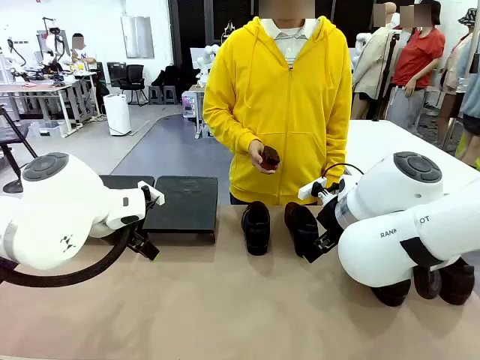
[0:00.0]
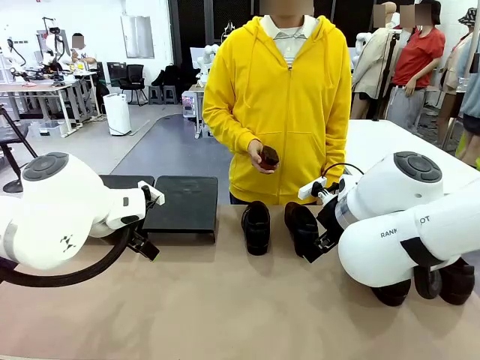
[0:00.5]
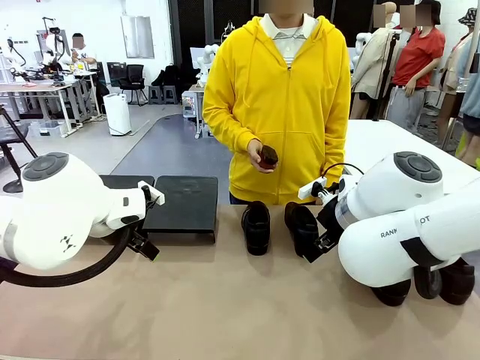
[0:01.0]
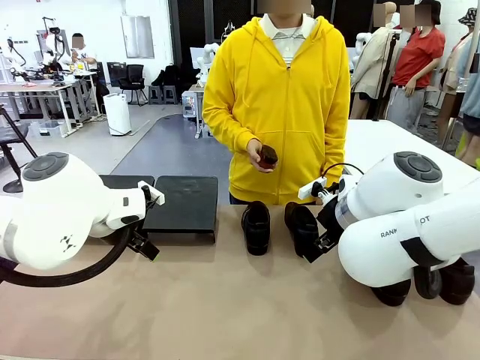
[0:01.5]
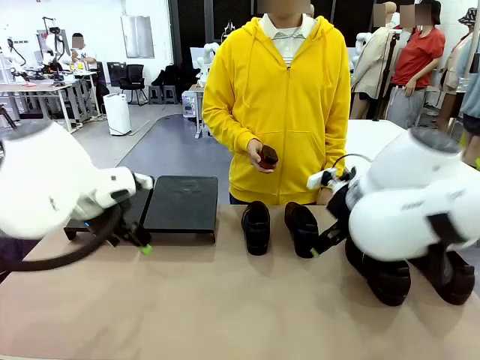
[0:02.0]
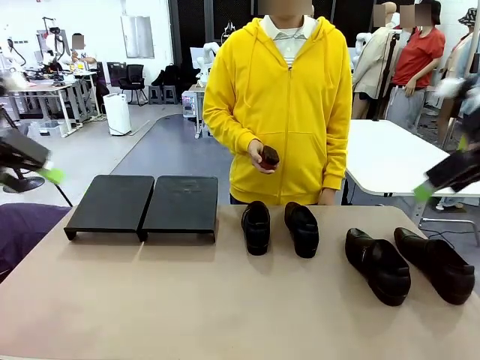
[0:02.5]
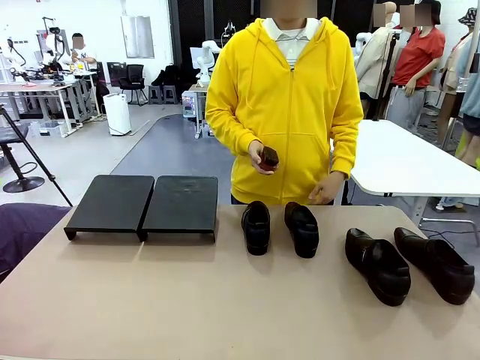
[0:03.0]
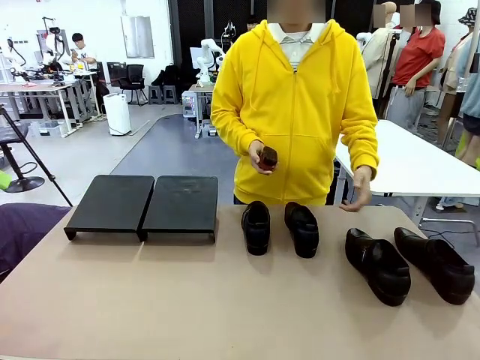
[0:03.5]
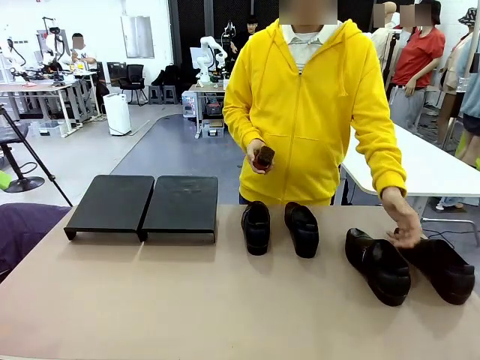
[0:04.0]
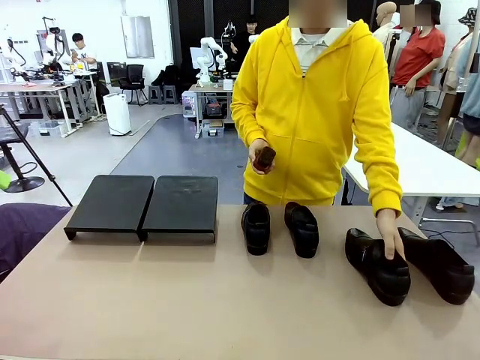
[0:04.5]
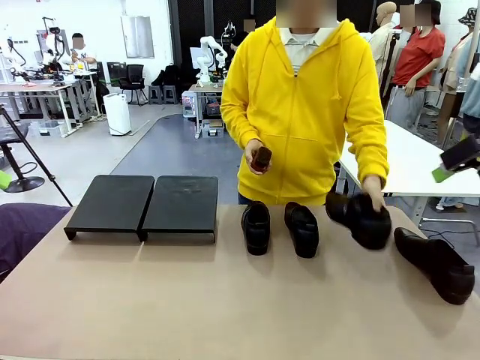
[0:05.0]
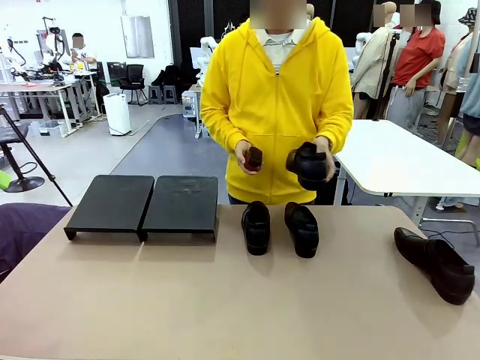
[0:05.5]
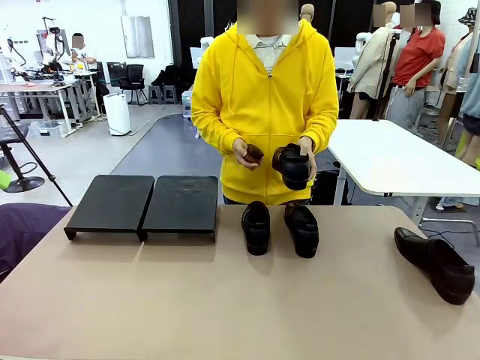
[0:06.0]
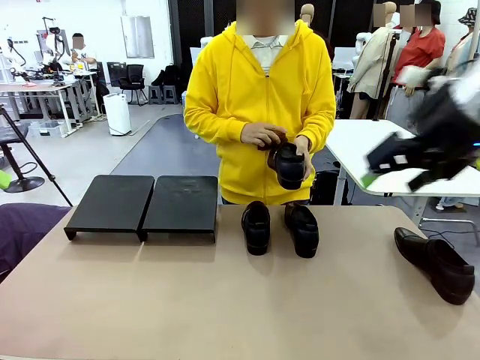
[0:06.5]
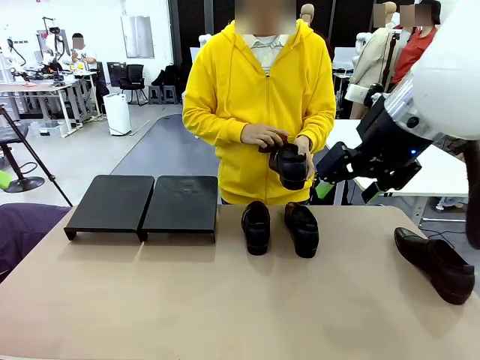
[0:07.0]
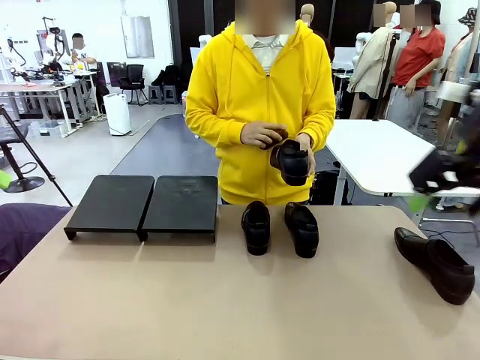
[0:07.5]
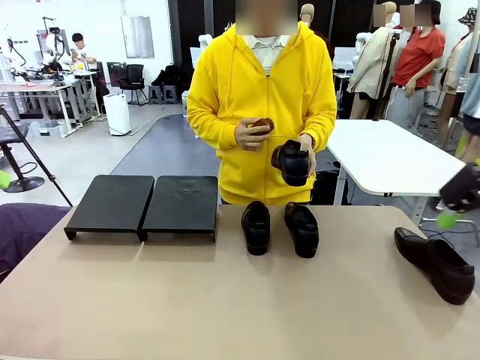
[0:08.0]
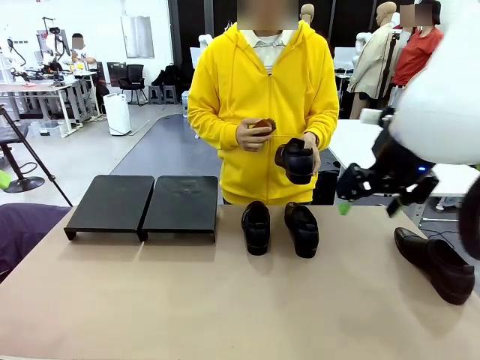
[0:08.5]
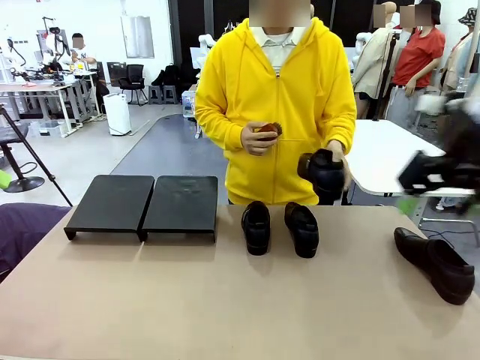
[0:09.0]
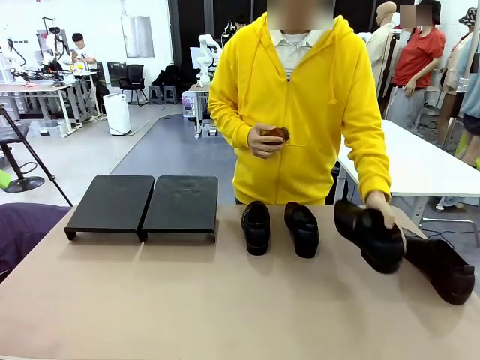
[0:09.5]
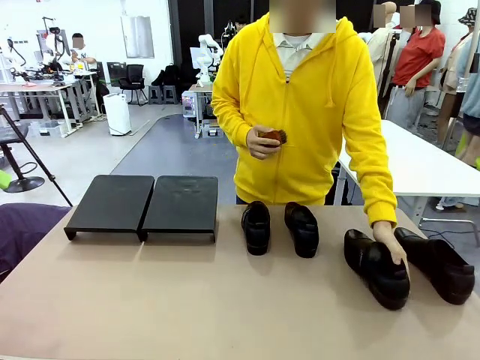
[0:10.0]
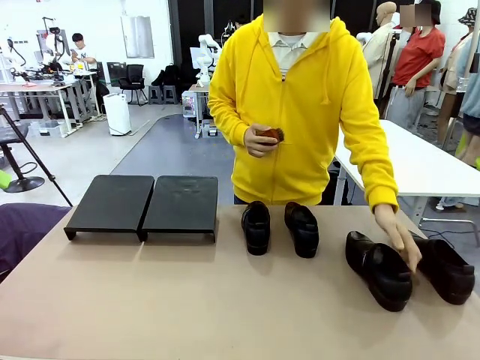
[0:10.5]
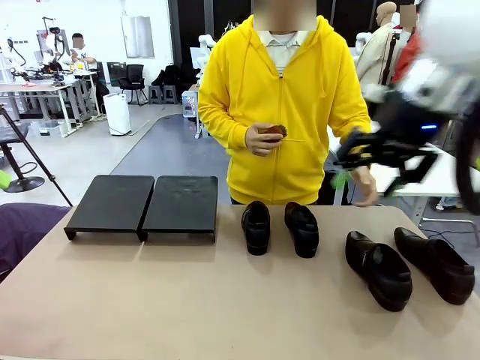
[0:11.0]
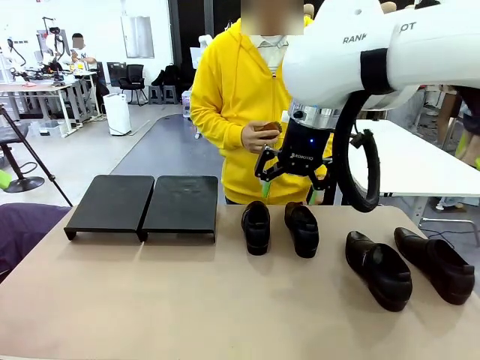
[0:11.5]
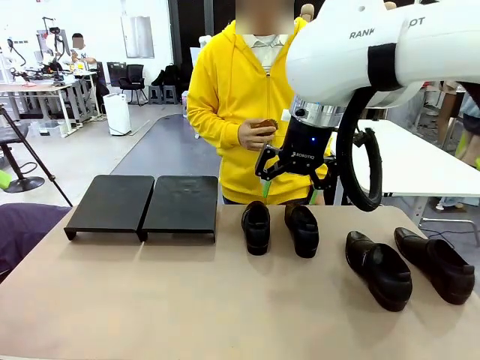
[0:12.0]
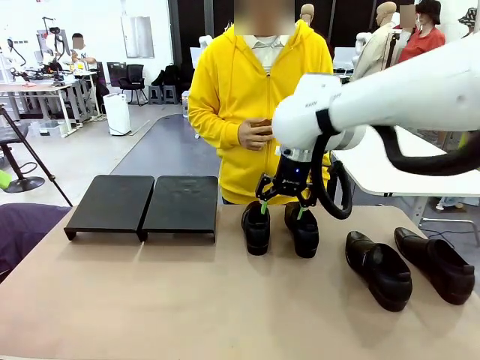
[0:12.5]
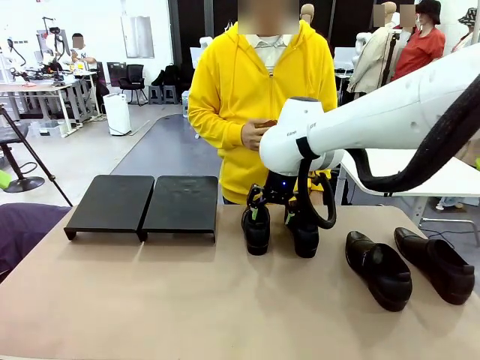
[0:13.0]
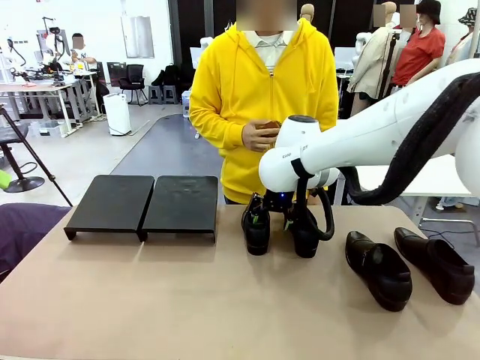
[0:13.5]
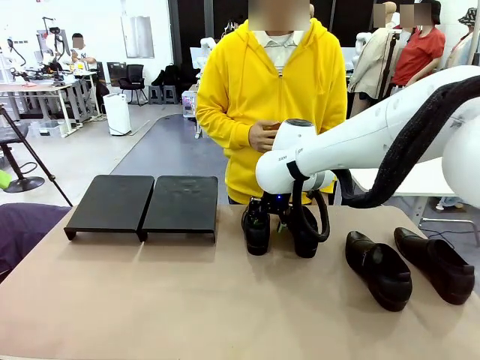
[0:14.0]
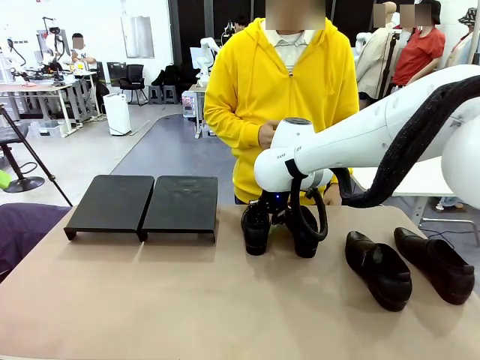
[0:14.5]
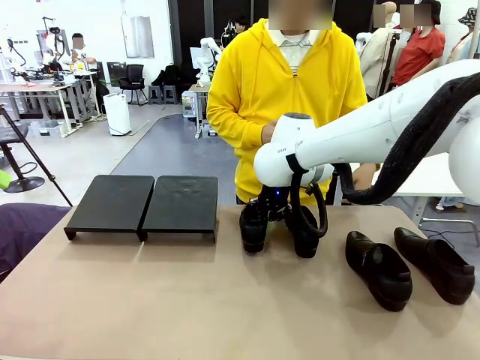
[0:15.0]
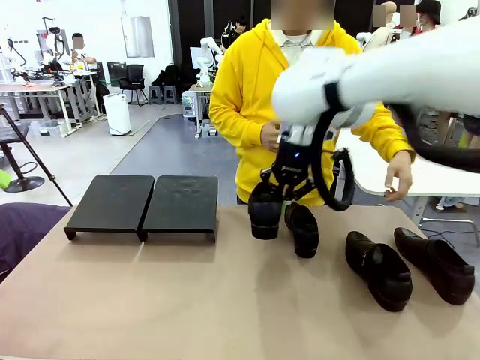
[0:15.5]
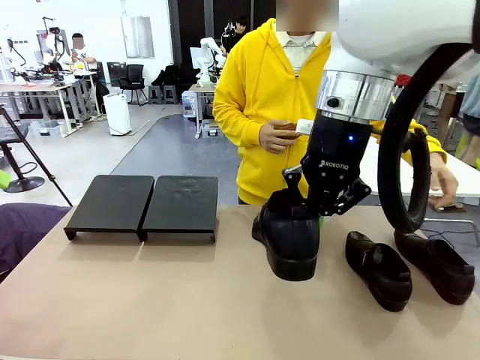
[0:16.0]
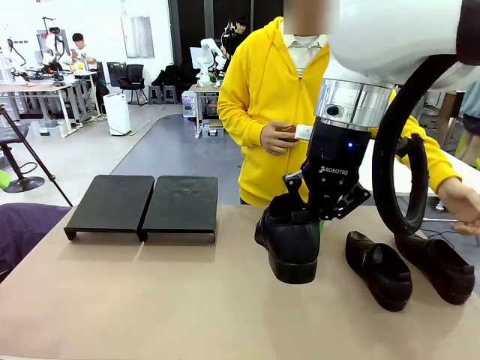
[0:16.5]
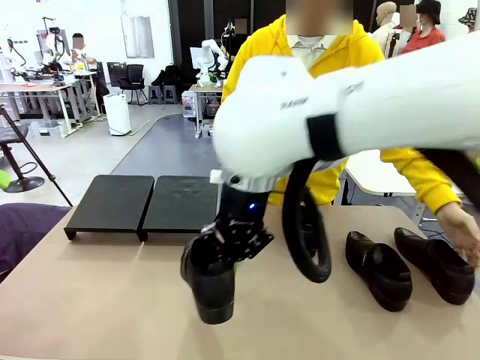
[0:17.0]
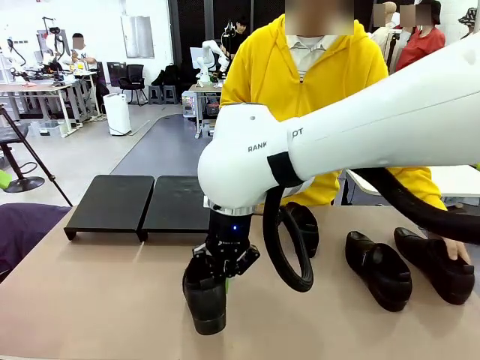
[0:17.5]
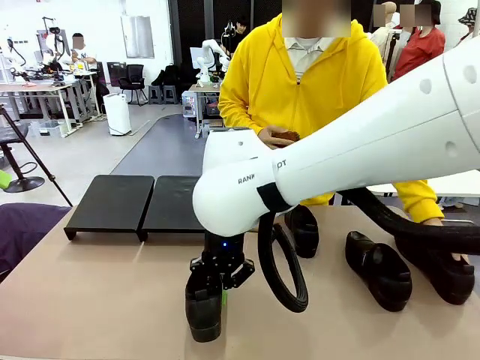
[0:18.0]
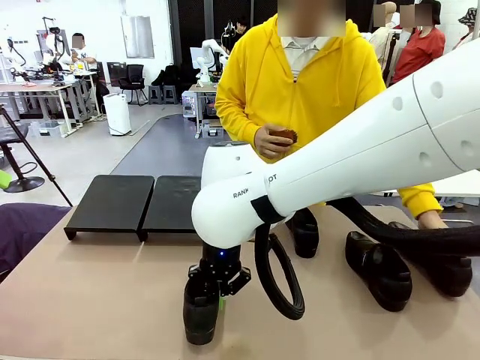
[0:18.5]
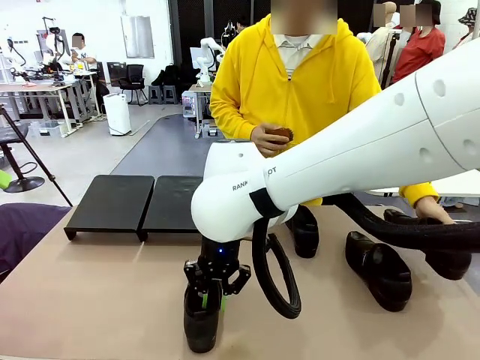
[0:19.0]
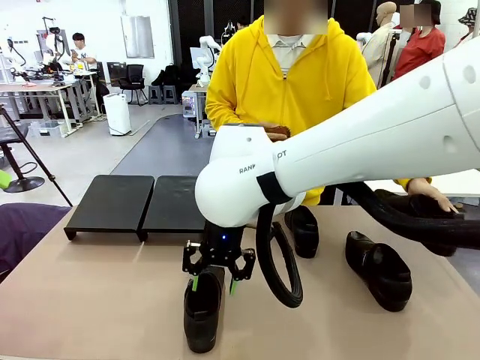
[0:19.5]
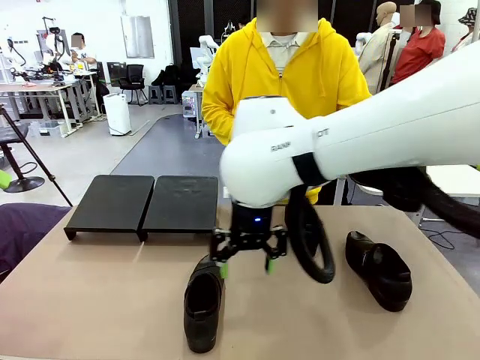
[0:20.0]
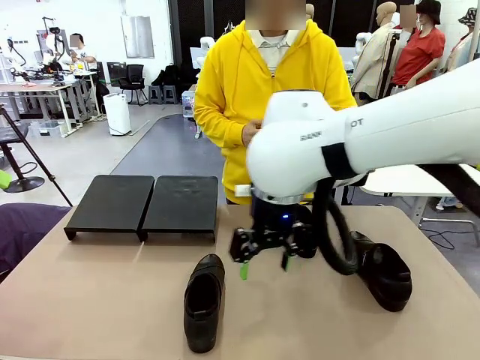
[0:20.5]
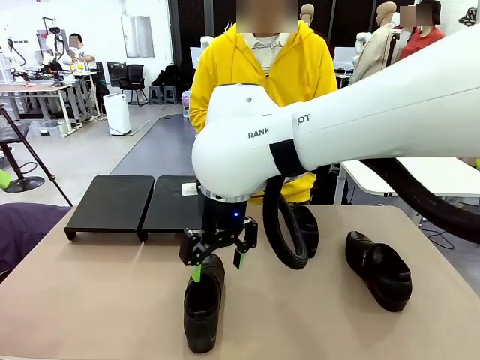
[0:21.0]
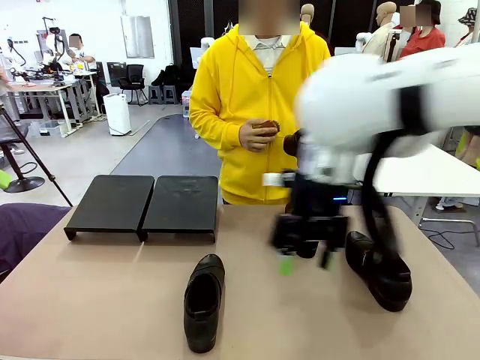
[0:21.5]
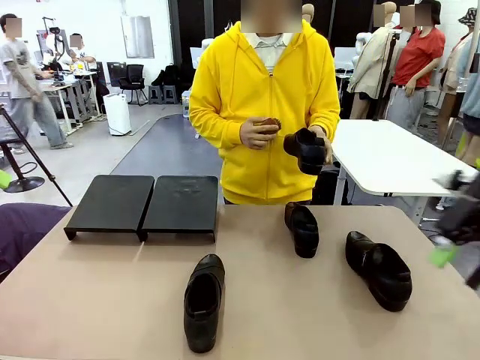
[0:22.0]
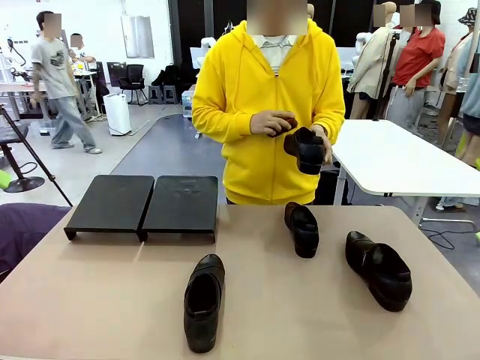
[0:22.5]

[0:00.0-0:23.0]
Task: Organize the shoes by placing them on the stand.
Robot: Pick up one Shoe and place it in the middle of the table.
Person: Pick one Shoe on Robot's table. Clean the Shoe with the Shoe Brush. Place the Shoe on left side of the Robot's table. Pick one Shoe on Robot's table.
